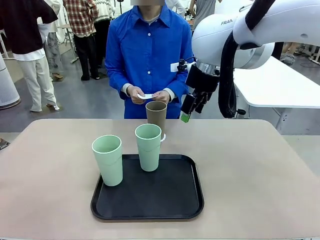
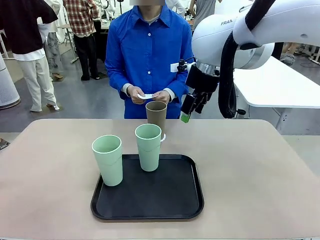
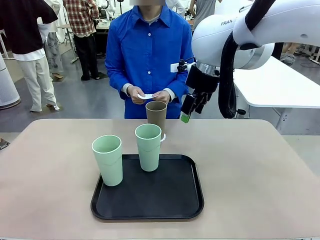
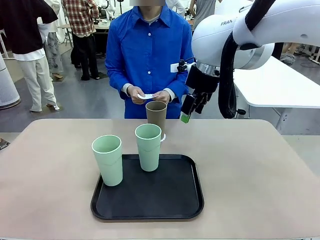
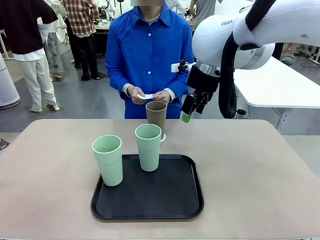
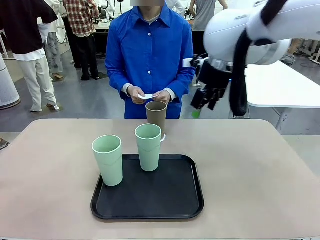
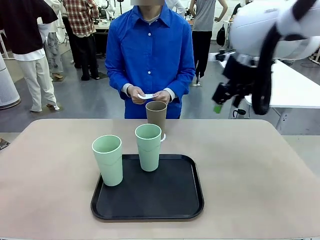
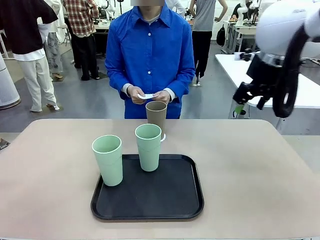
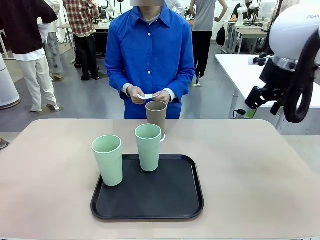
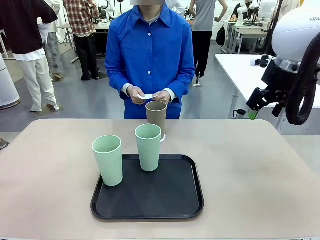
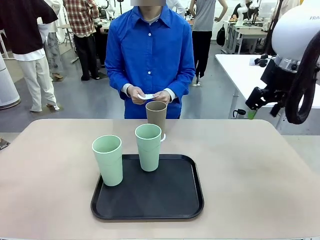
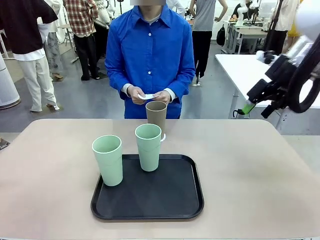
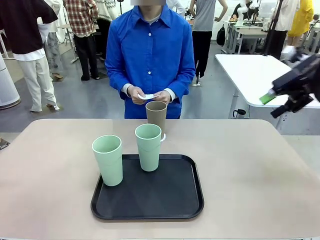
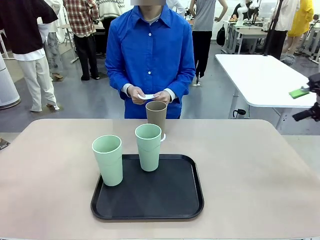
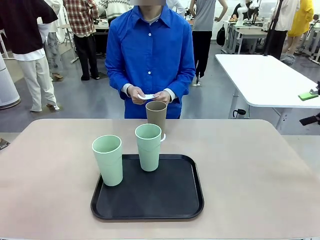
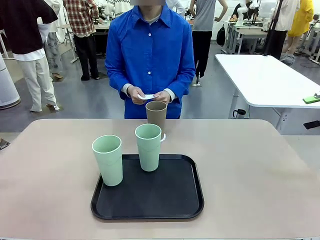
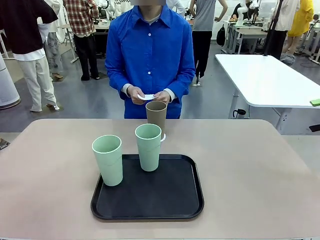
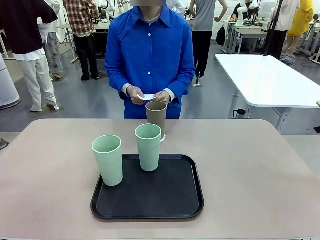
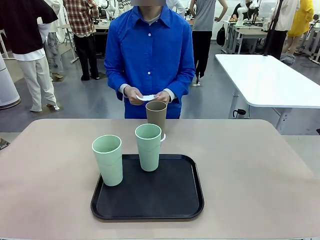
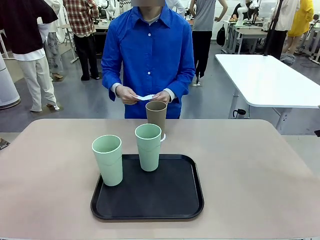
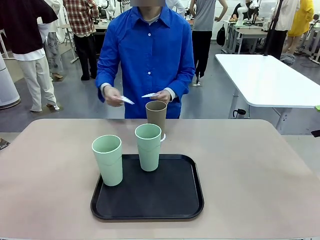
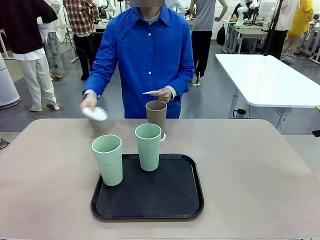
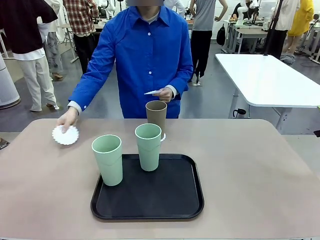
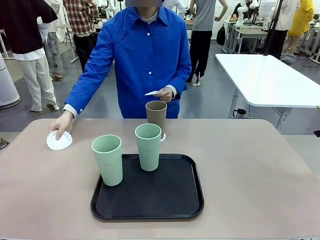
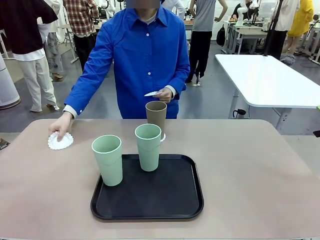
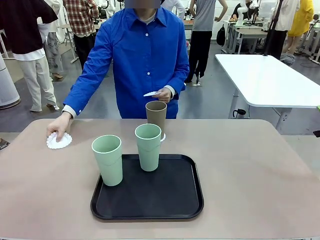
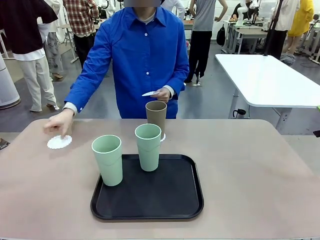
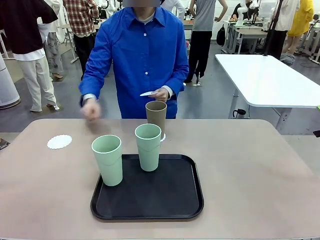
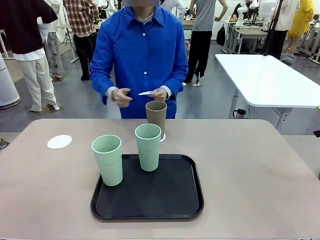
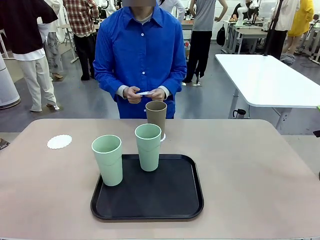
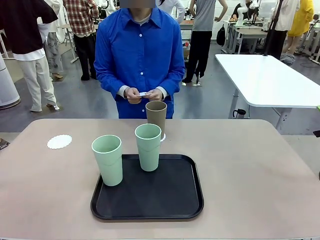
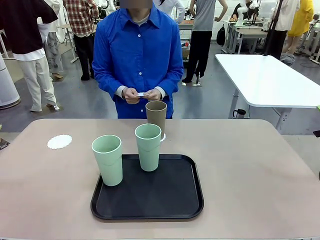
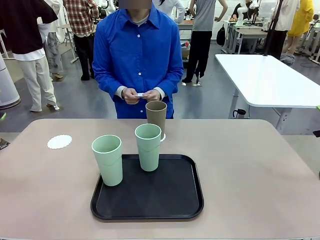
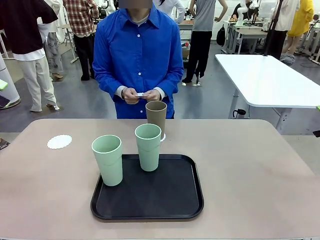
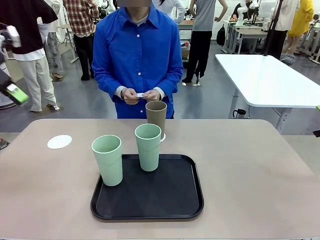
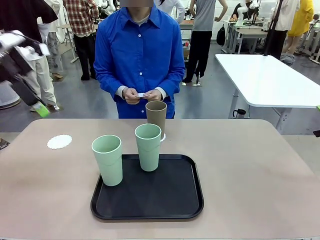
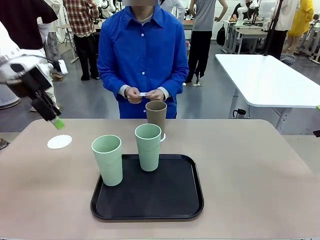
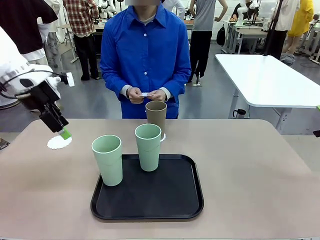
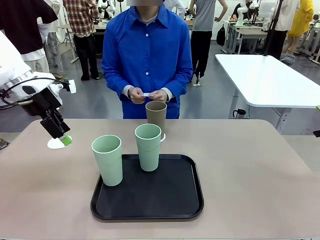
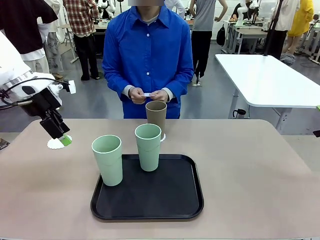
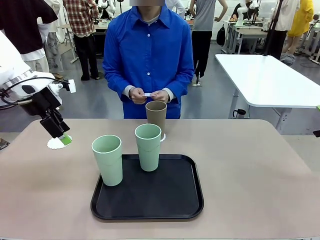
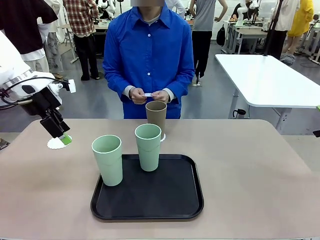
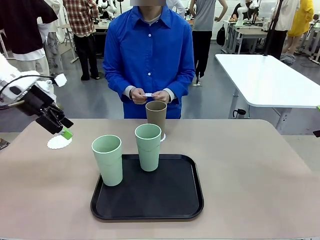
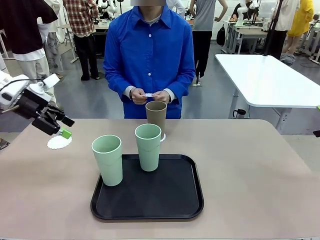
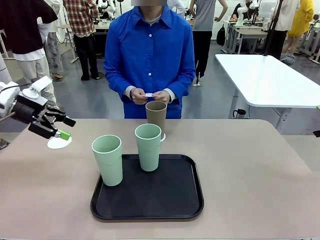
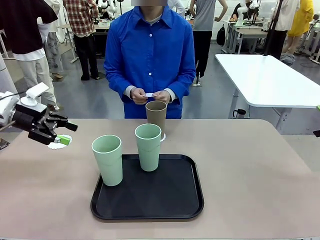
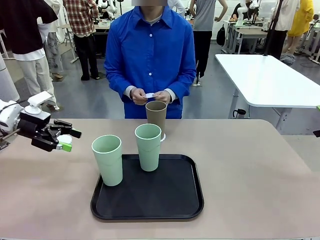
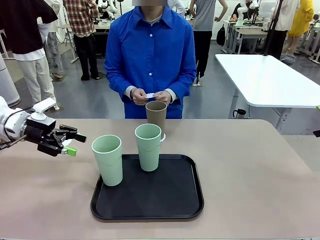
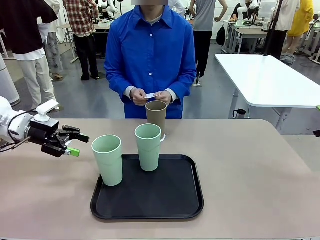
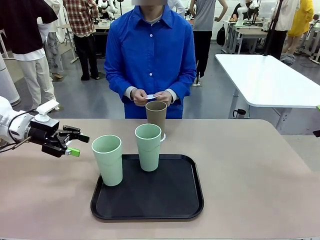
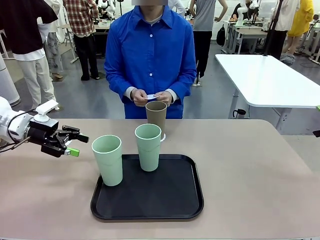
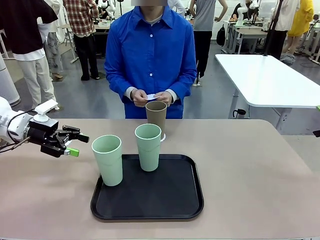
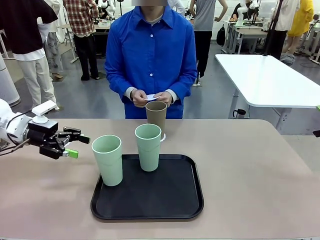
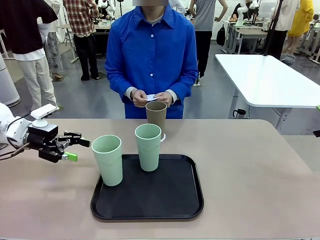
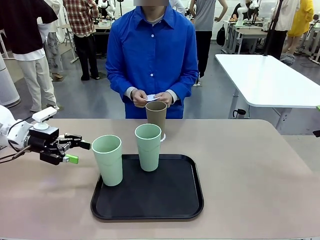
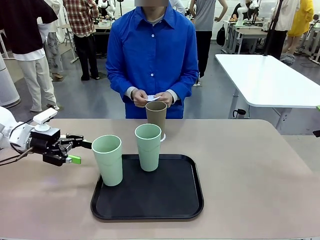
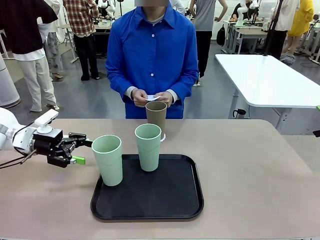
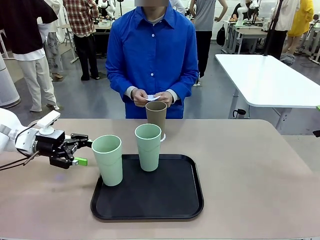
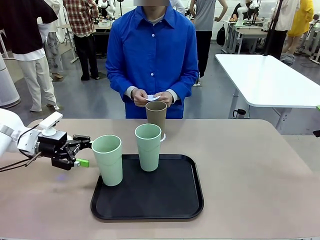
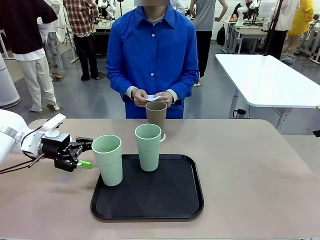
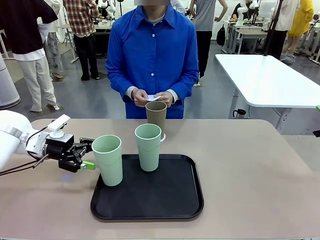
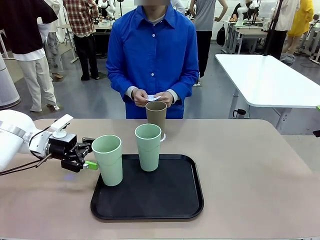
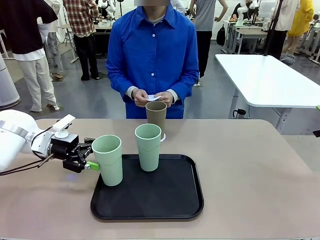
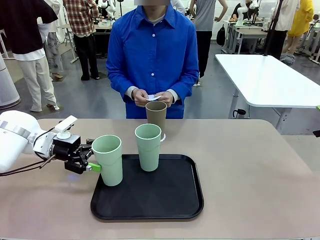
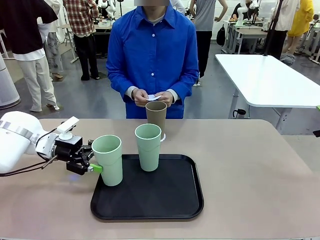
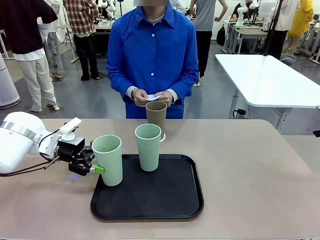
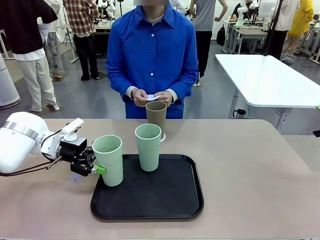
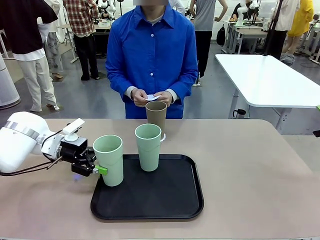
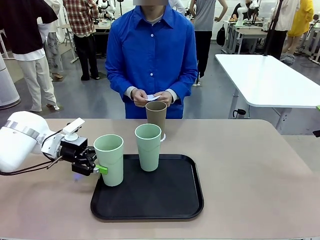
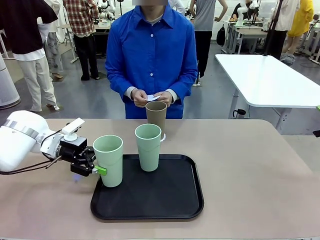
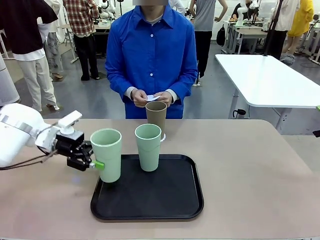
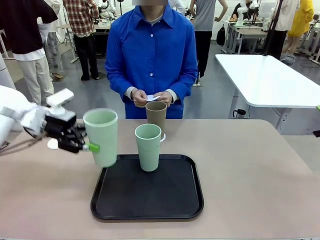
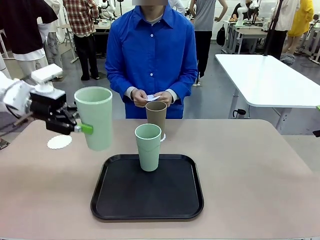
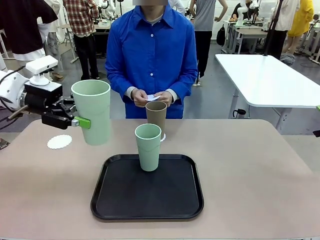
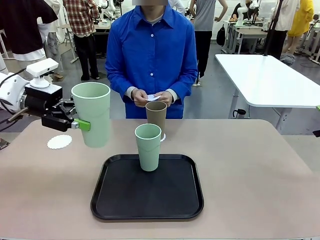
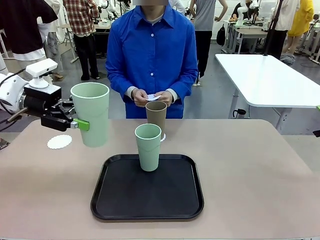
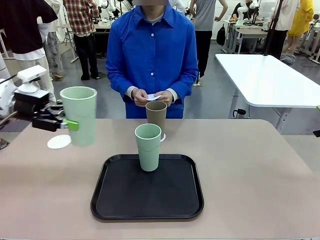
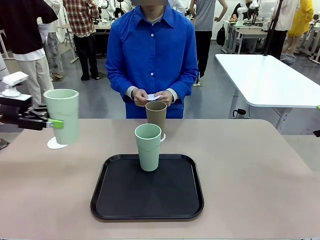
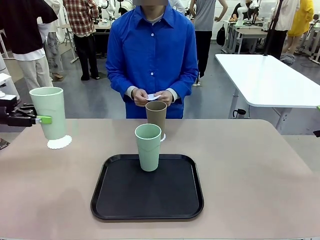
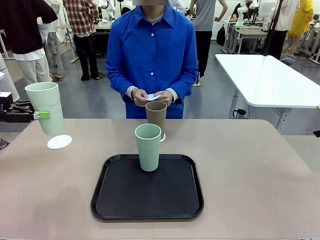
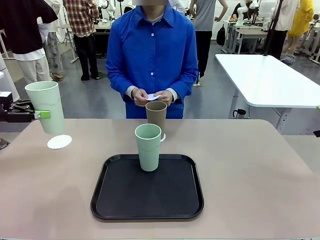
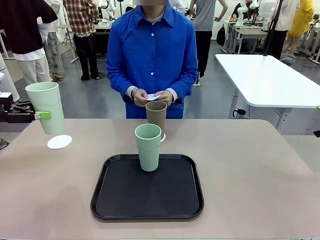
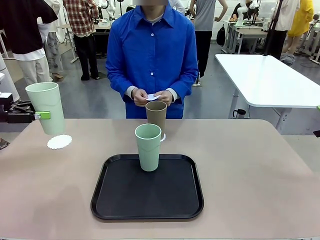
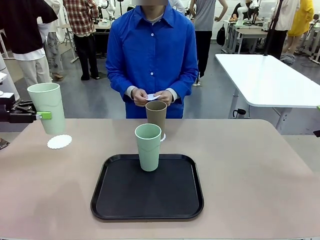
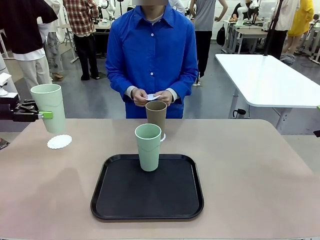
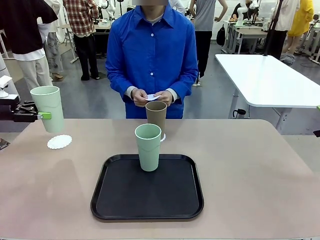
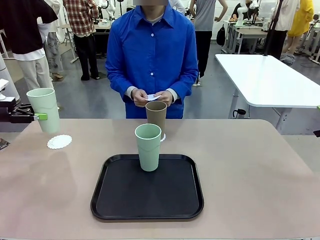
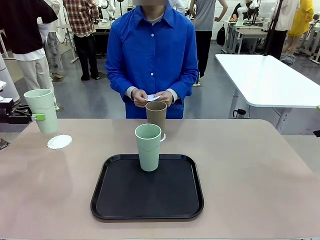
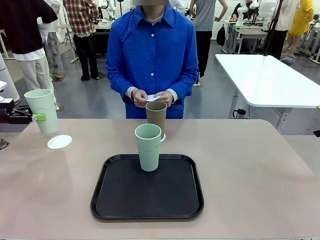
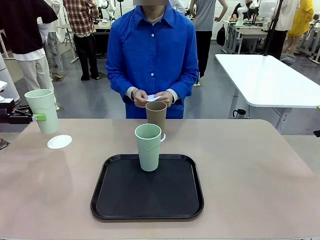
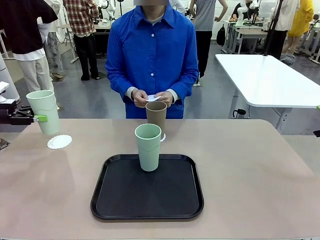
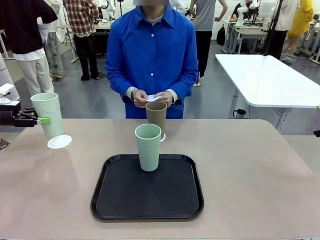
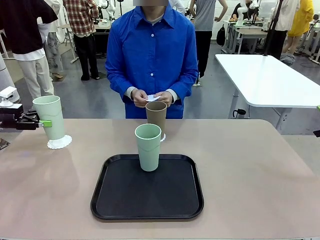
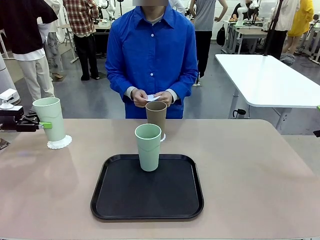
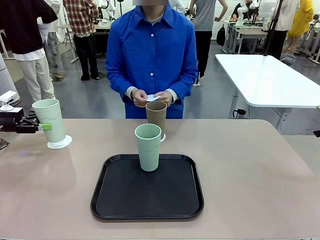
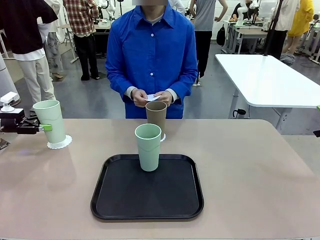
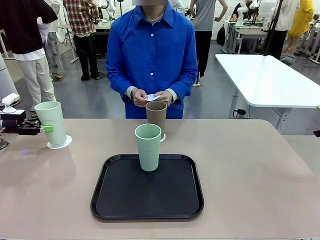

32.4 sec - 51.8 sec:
Task: Place coasters on the table and set cups on them.
Robot: Take one Reusable plastic cup from the Flat Tray and place it on a coaster set by the human.
